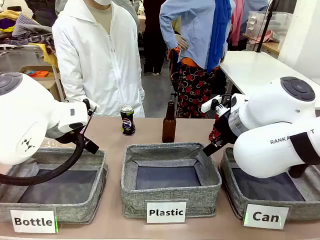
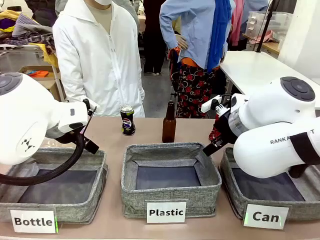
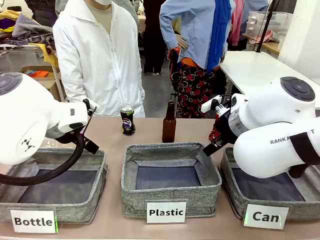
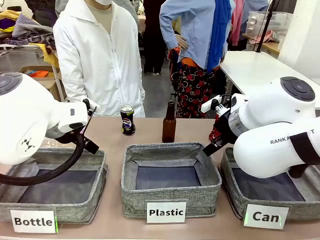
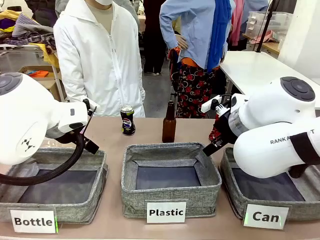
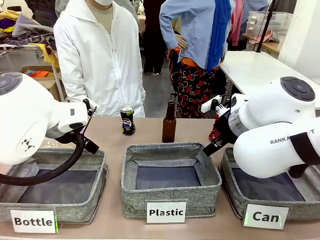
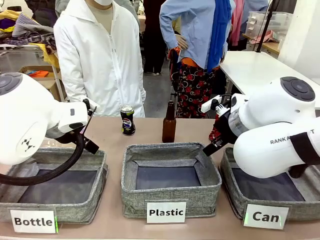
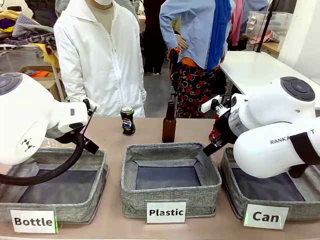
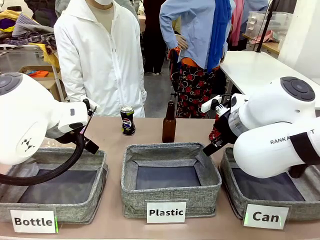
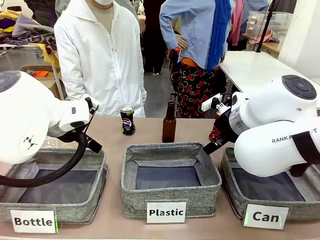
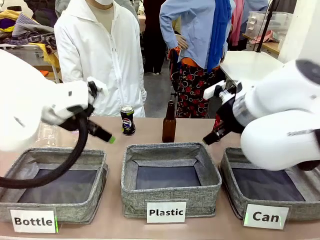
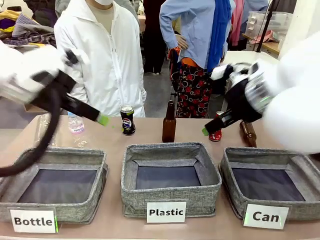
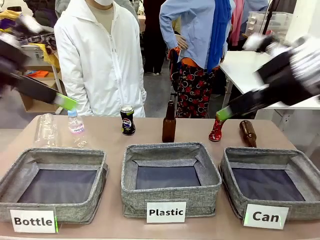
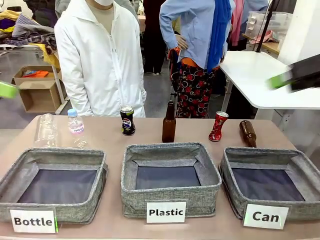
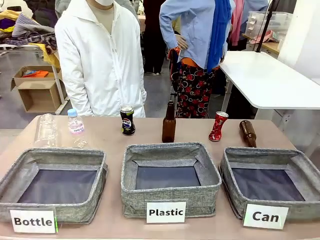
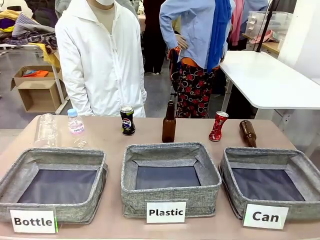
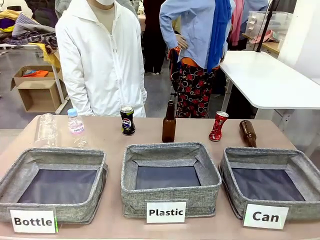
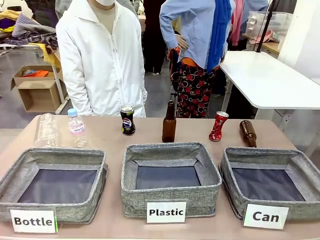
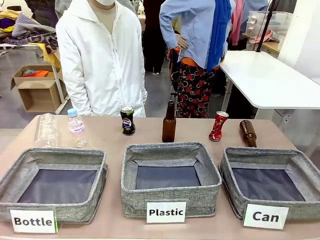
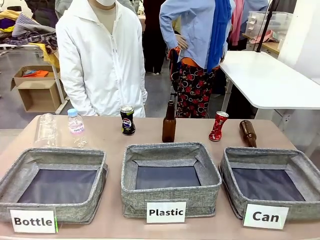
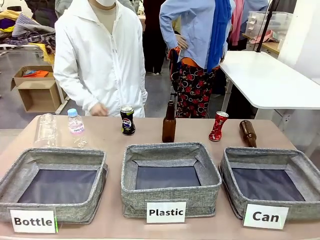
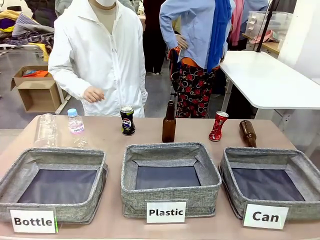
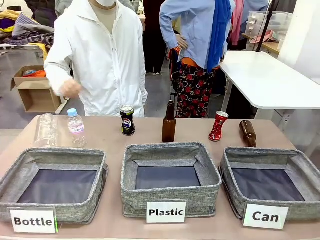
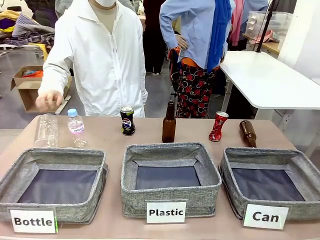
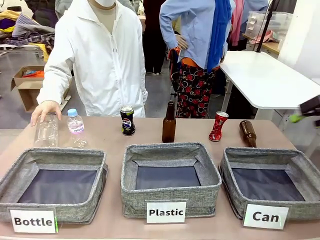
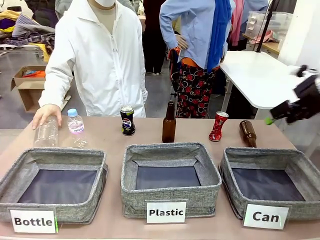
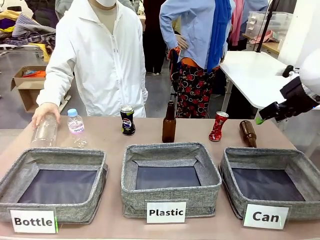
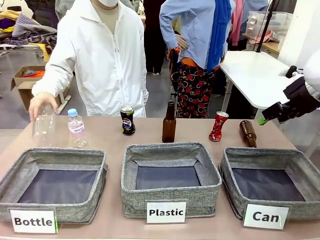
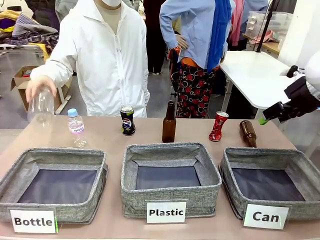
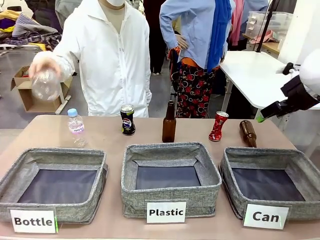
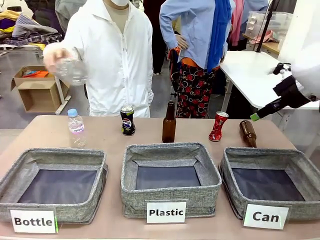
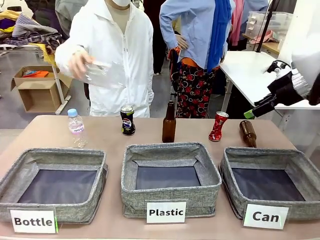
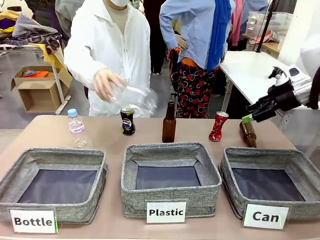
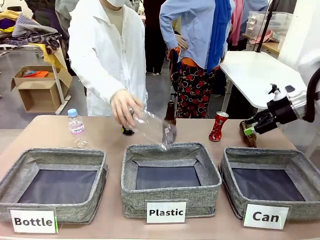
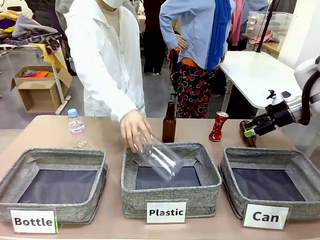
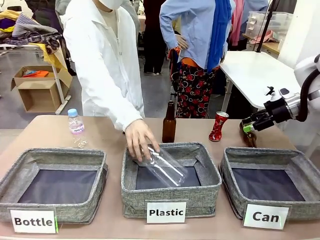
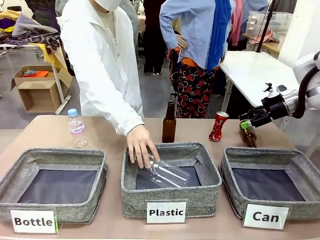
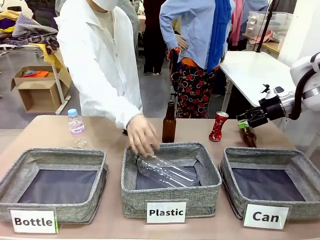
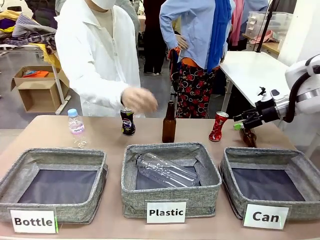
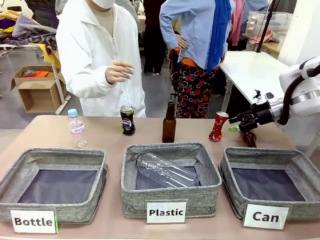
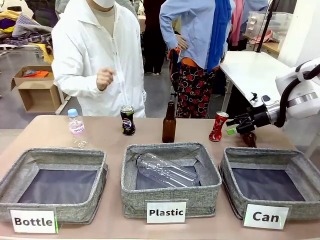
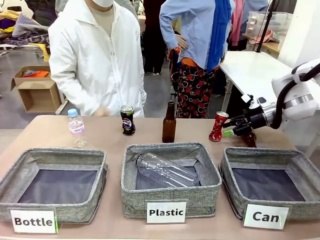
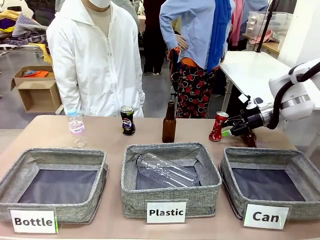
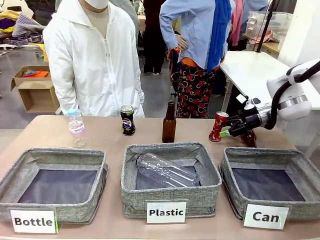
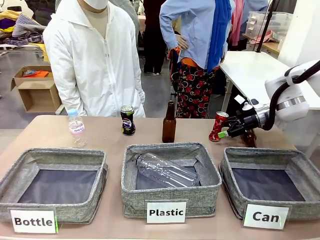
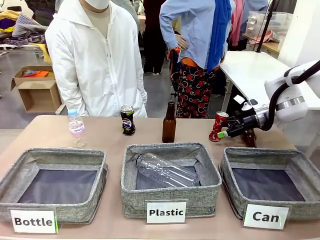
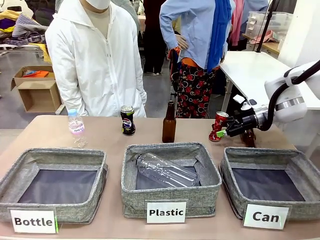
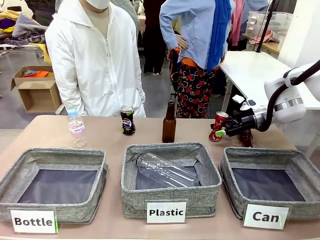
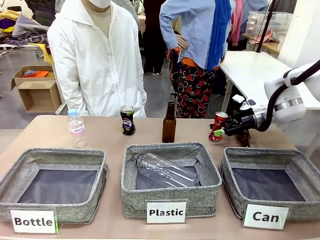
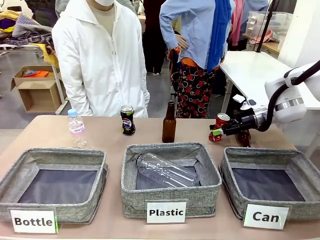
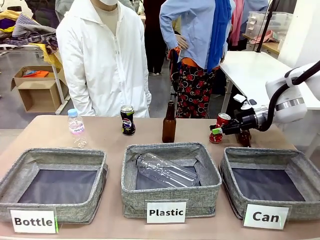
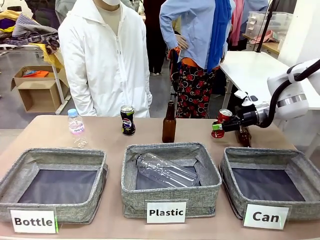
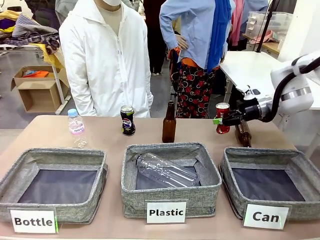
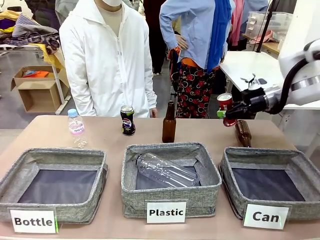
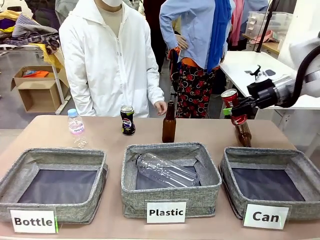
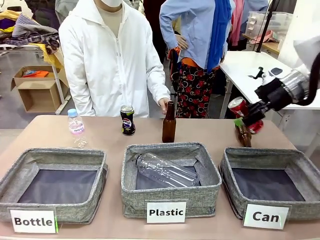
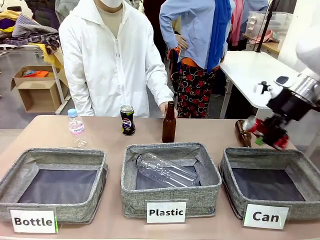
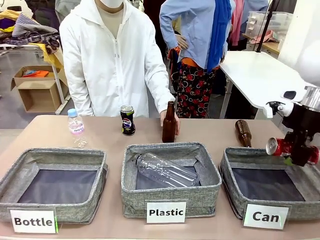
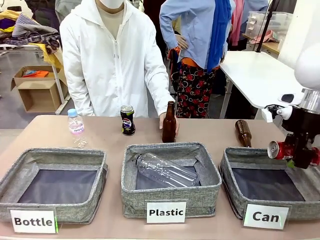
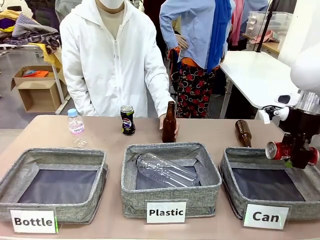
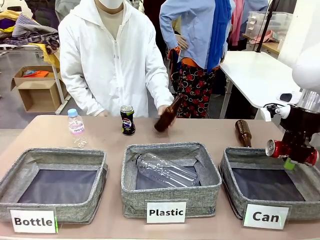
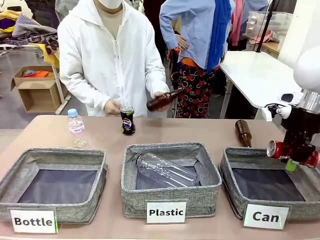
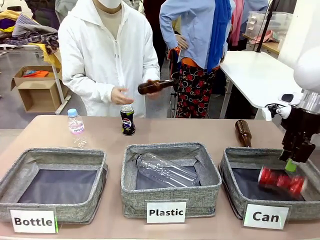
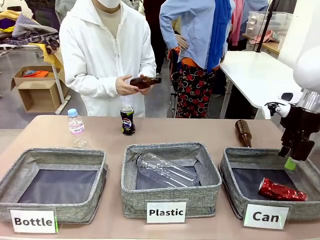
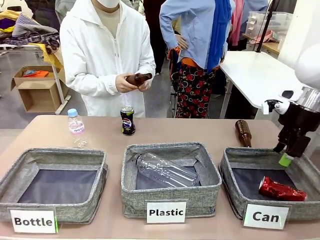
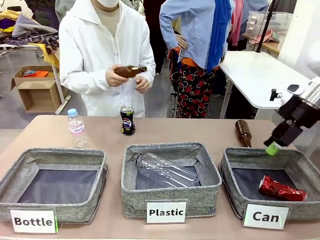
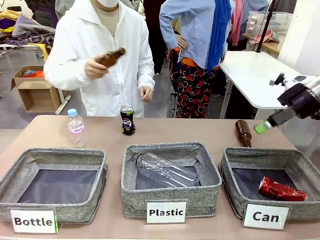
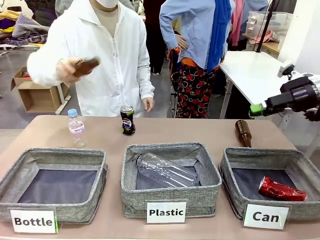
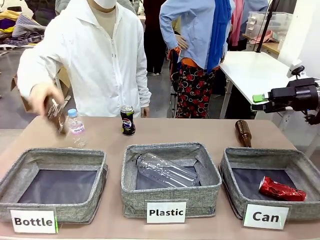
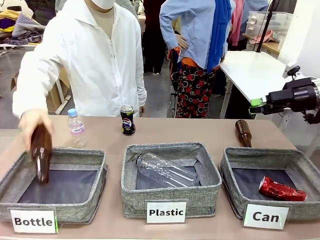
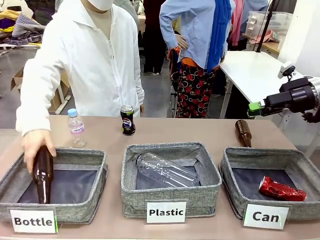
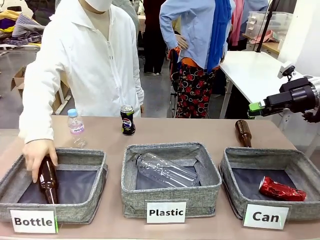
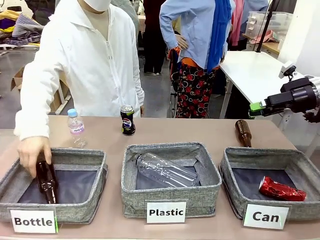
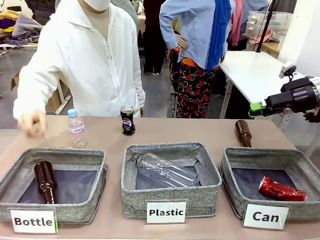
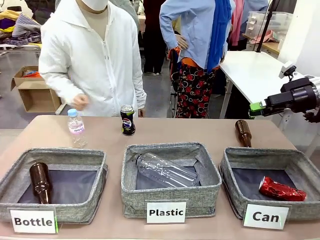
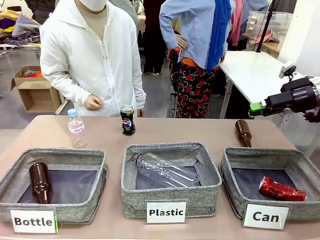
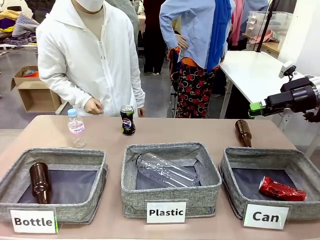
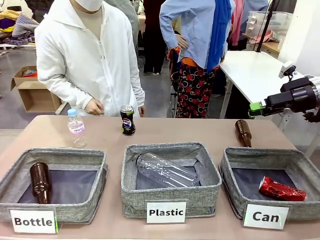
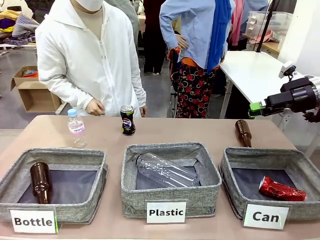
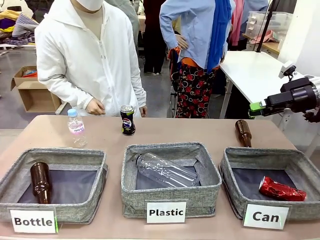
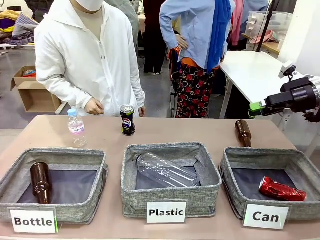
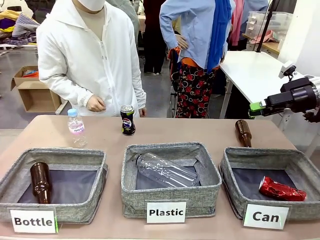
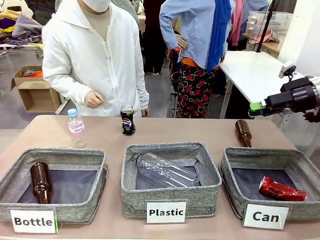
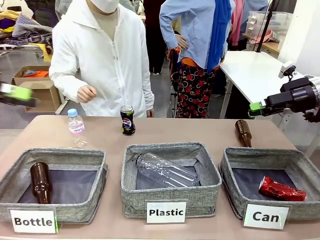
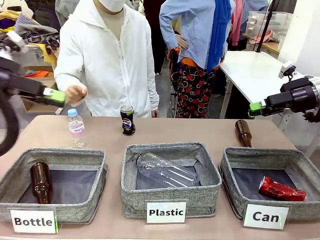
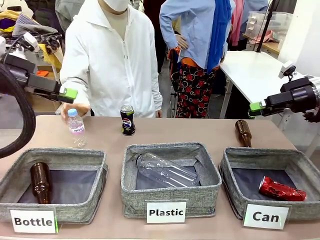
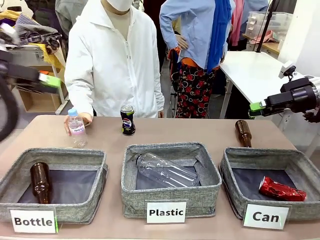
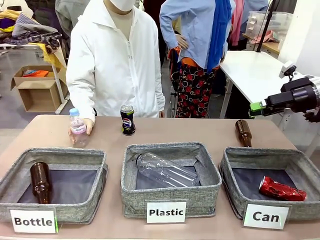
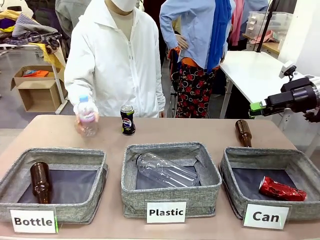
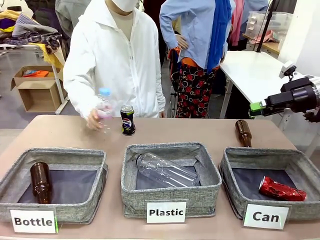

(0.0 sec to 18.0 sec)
Task: Sort the can waste into the basket.
Robot: Pick up the can waste from the table and place it in the right Fabric basket.
